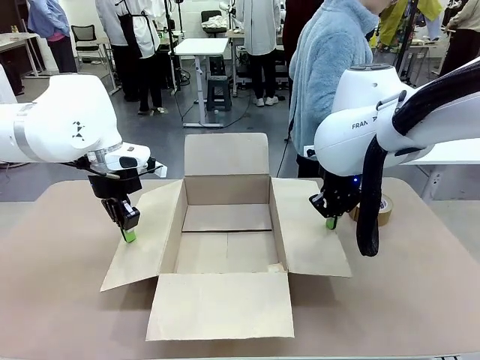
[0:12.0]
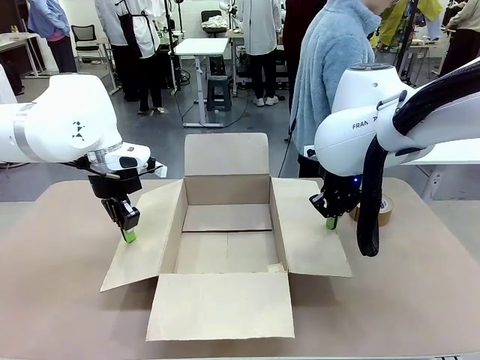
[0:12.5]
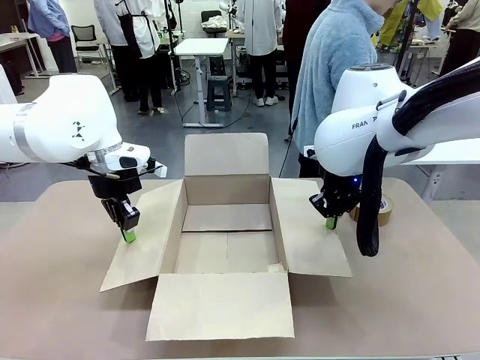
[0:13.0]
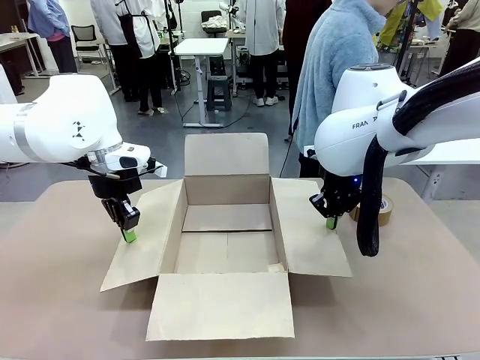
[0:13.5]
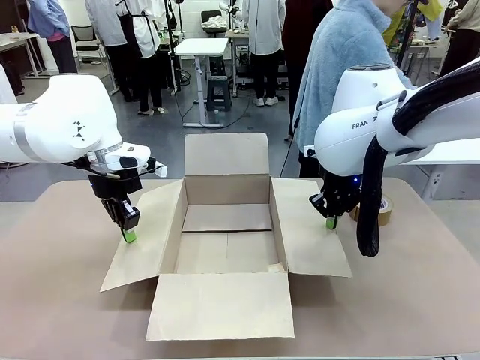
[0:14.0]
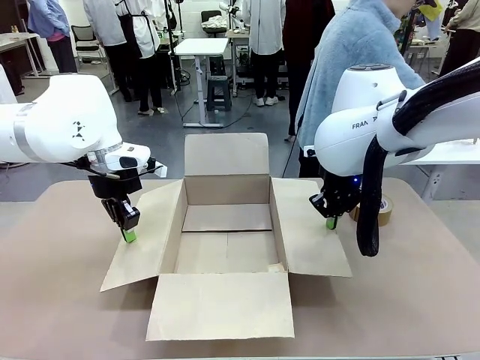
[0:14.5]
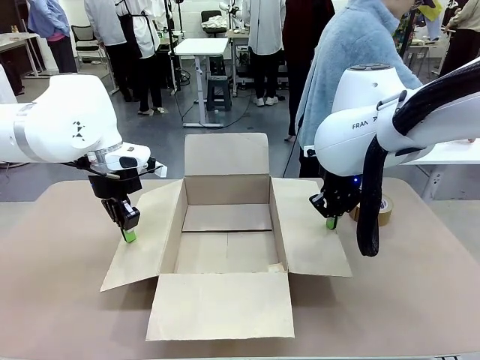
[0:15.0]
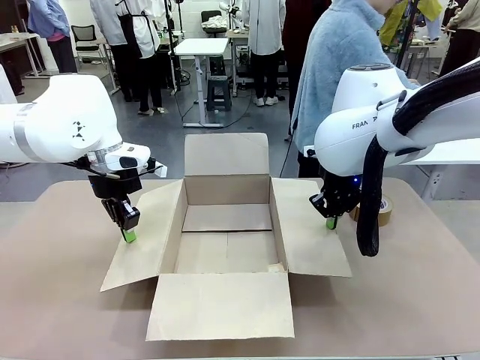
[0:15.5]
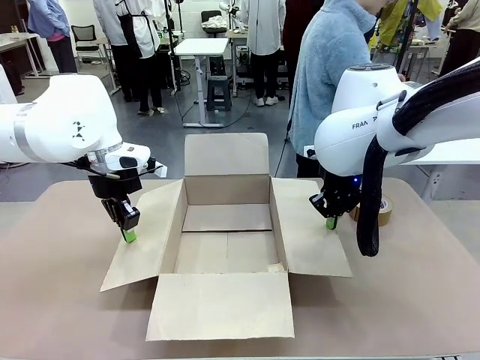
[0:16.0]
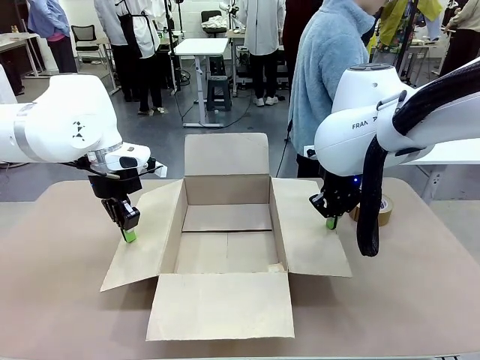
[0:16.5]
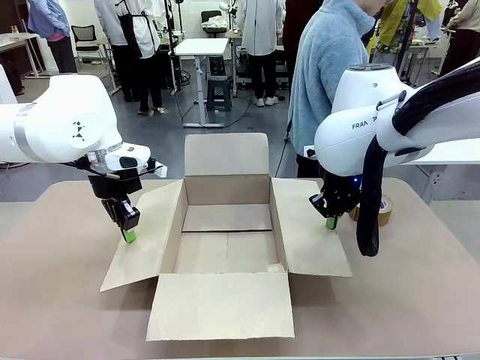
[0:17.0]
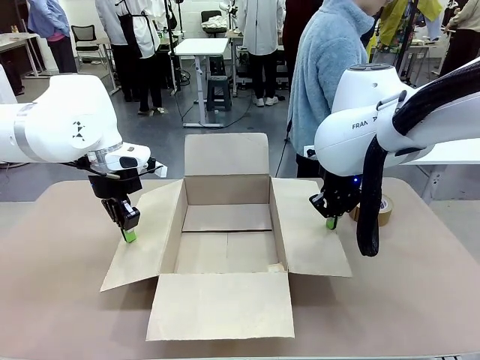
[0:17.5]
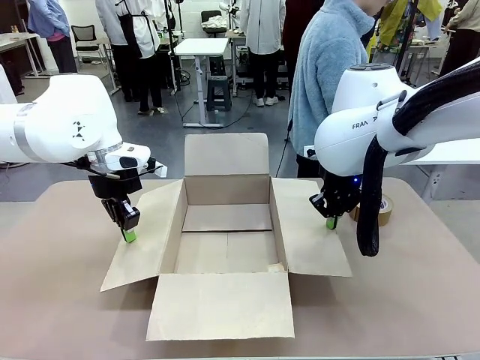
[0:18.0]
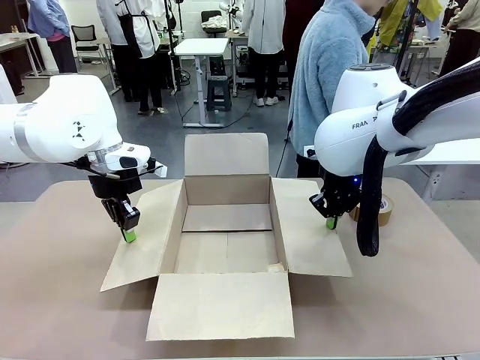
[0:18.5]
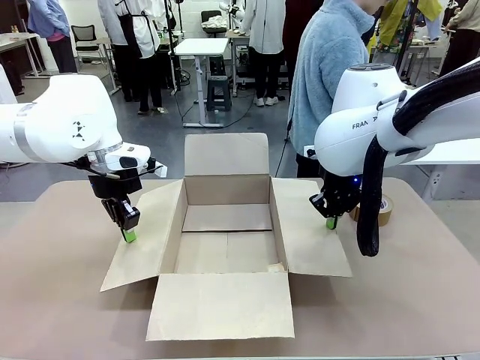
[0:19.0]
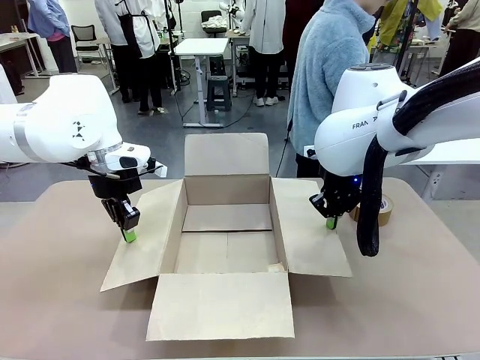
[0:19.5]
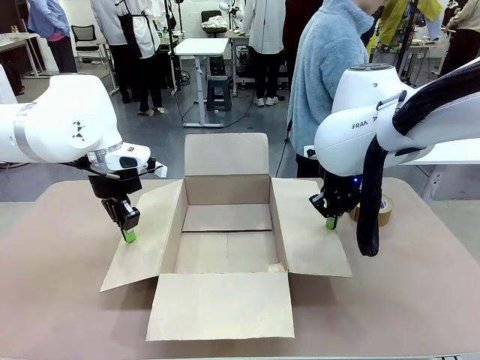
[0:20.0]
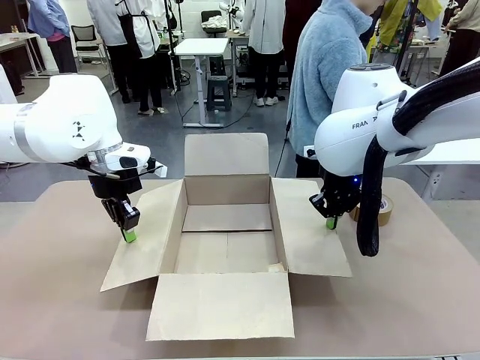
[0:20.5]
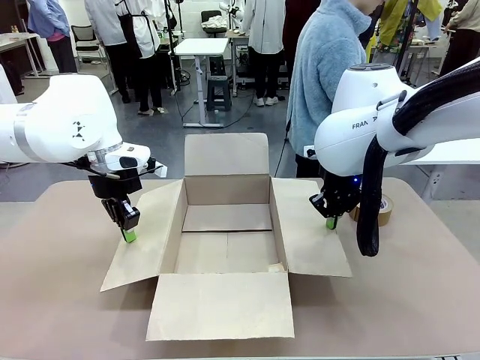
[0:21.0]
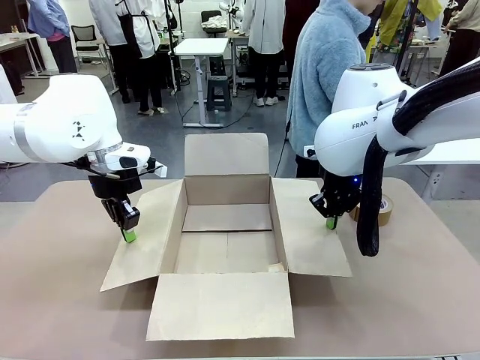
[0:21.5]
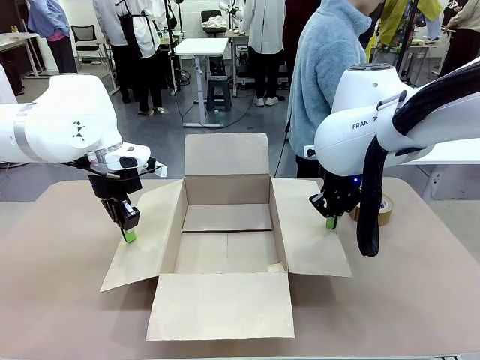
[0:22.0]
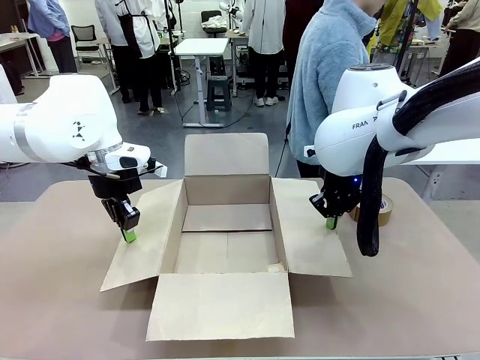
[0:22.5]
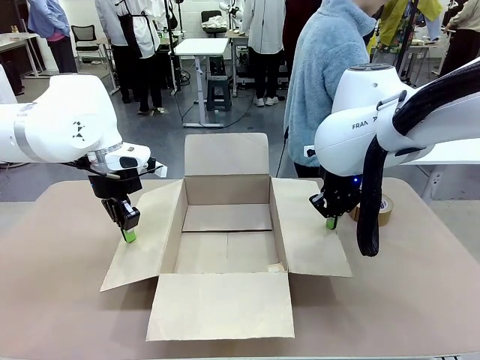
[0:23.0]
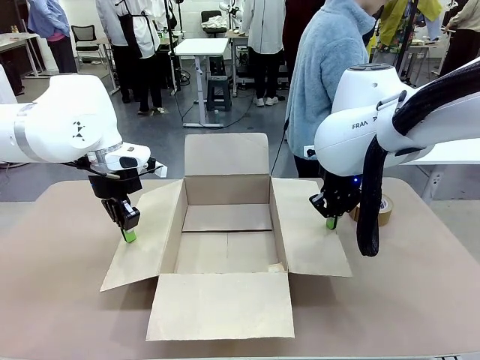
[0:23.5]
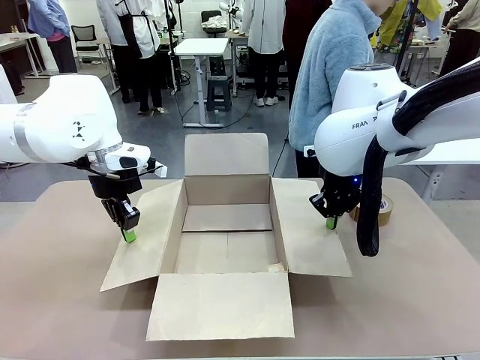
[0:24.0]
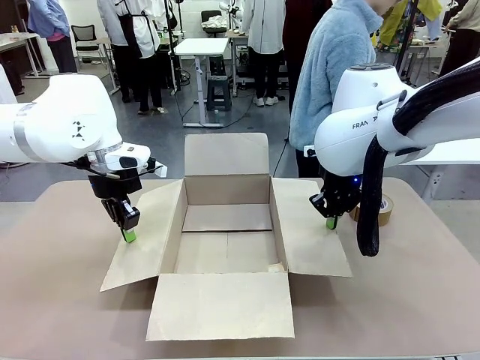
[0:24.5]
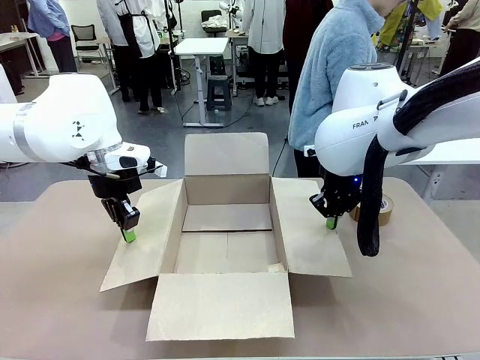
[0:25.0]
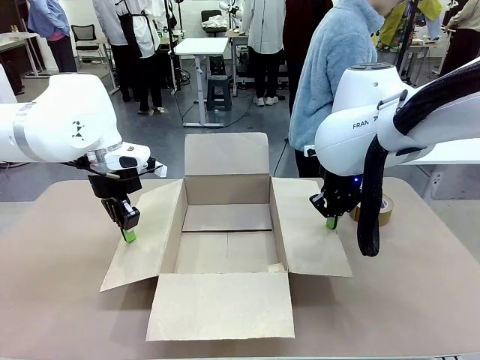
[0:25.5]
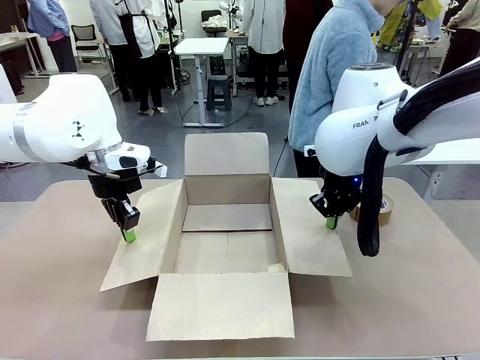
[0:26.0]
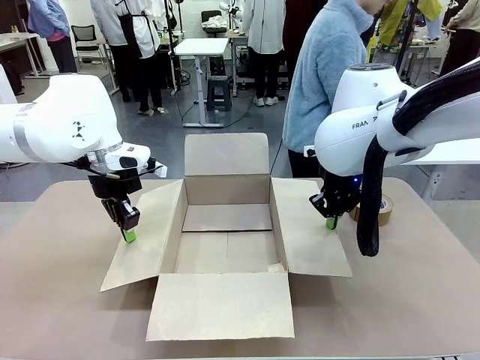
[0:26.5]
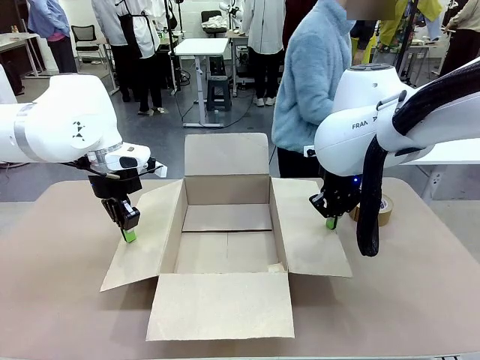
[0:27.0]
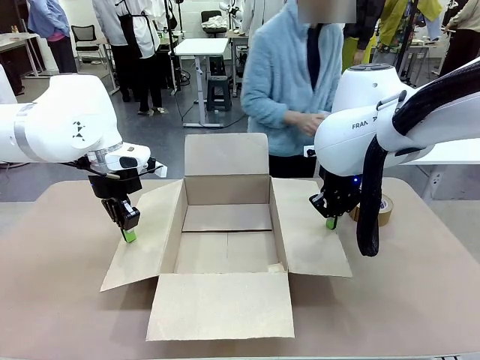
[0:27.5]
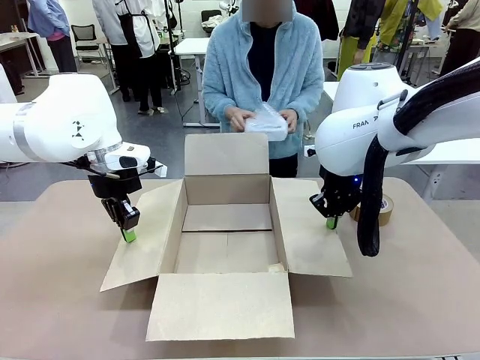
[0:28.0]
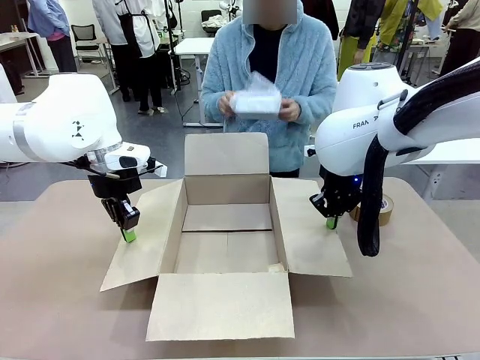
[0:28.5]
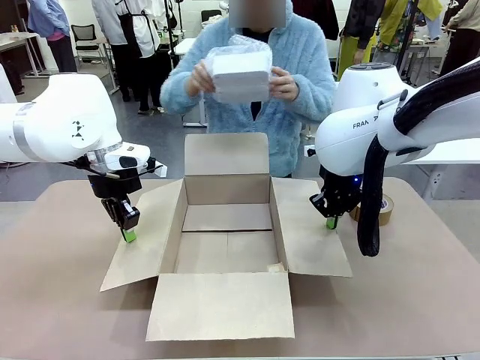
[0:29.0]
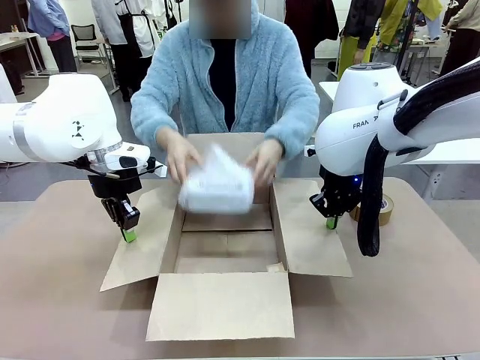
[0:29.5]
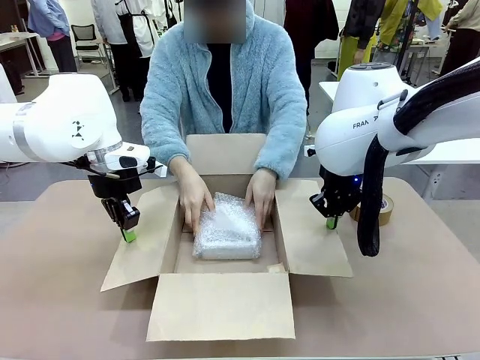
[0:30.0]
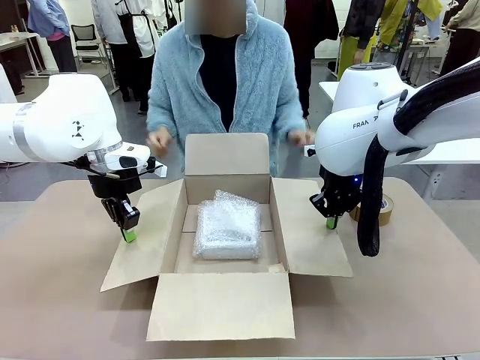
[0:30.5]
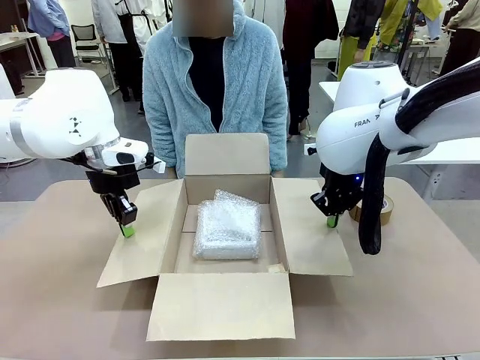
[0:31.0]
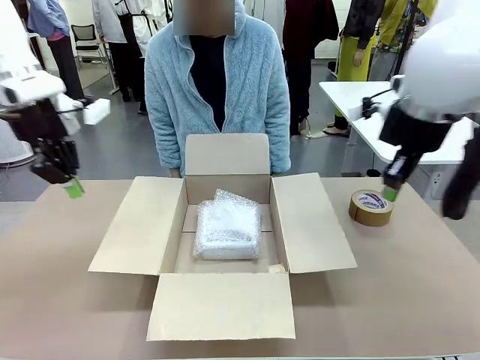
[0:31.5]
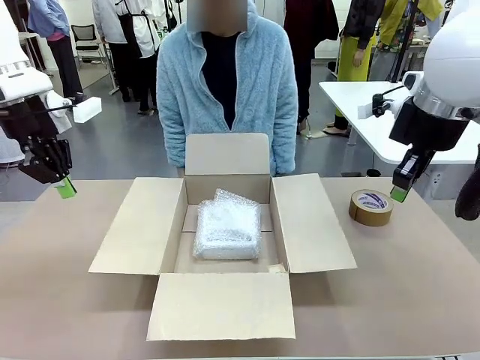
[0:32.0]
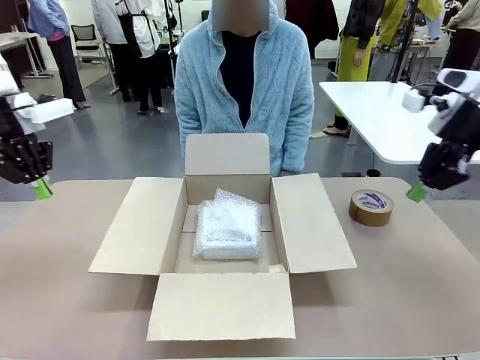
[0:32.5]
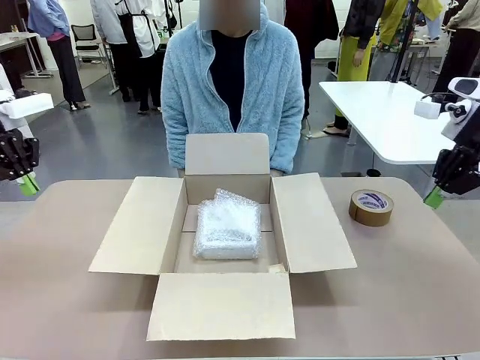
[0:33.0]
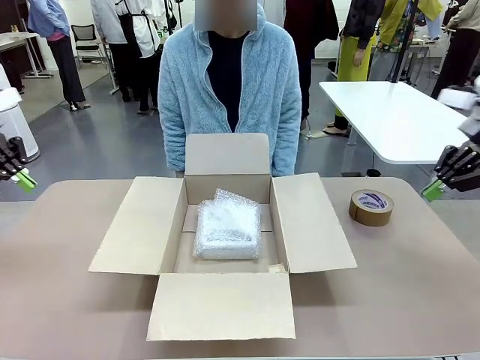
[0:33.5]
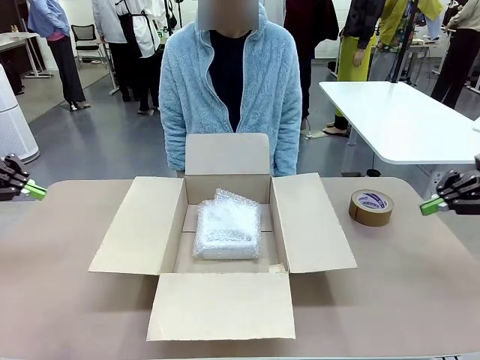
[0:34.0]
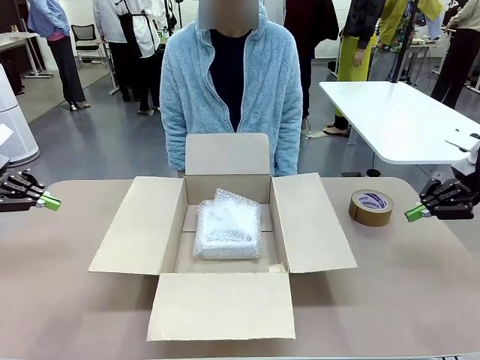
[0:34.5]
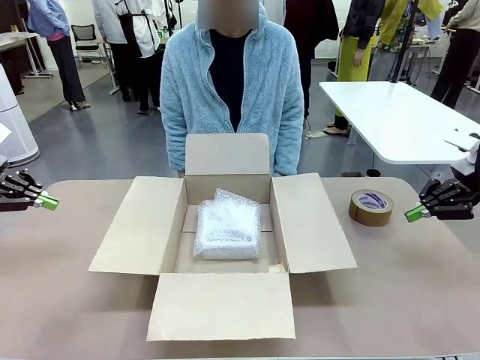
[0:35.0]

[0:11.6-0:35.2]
Task: Wrap the clocks to prevent damage.
Robot: Once the human has placed the objects inside and stepped back, release both hands from the side flaps of the Package Box.
Person: Wrap the two Digital clocks with Bubble Wrap. Place the wrapped Digital clocks inside the Package Box.
